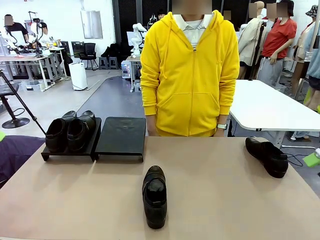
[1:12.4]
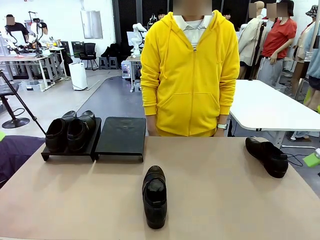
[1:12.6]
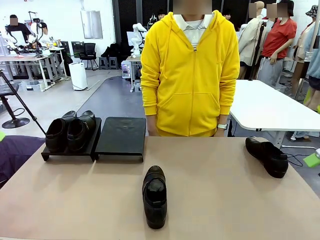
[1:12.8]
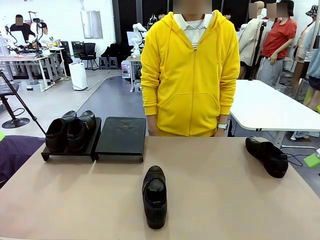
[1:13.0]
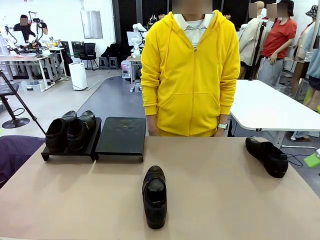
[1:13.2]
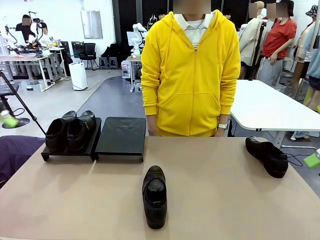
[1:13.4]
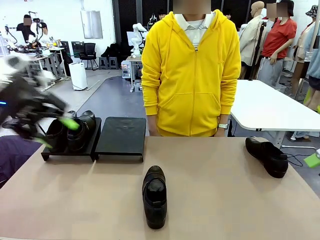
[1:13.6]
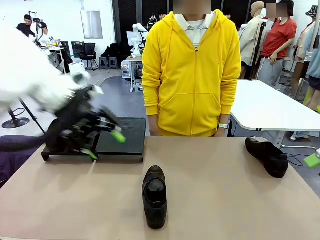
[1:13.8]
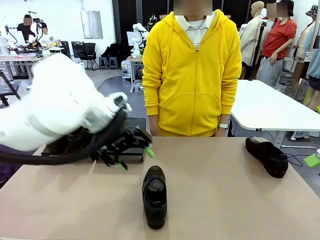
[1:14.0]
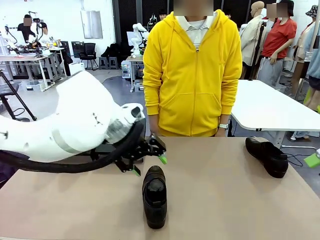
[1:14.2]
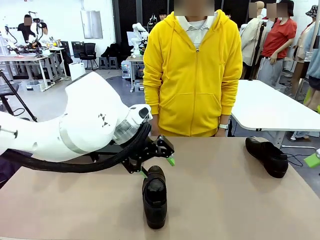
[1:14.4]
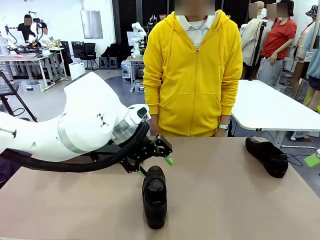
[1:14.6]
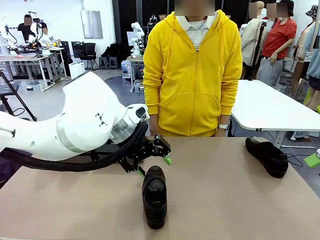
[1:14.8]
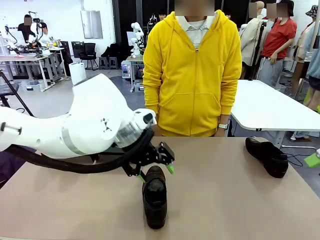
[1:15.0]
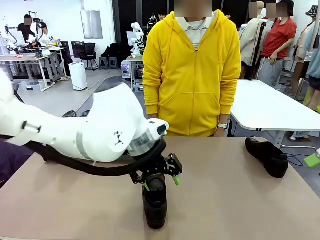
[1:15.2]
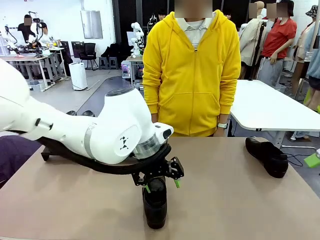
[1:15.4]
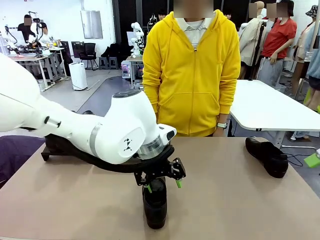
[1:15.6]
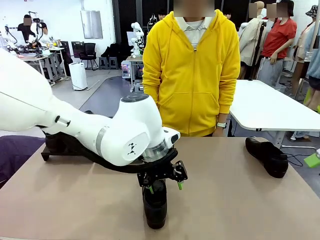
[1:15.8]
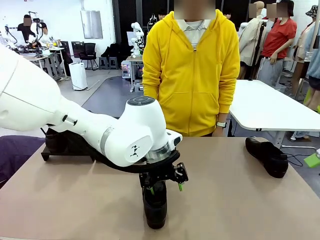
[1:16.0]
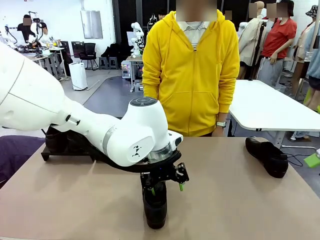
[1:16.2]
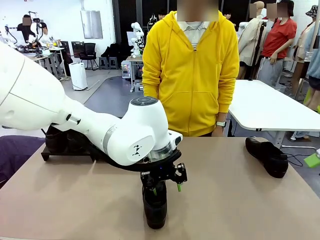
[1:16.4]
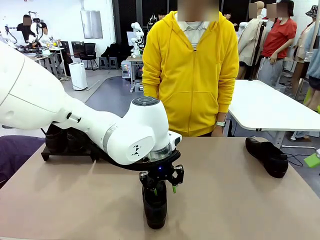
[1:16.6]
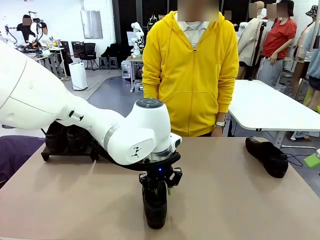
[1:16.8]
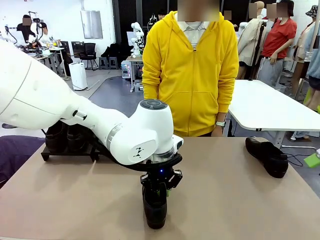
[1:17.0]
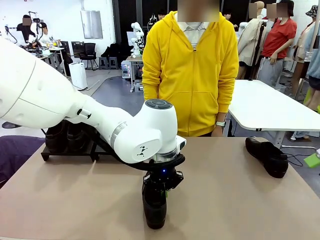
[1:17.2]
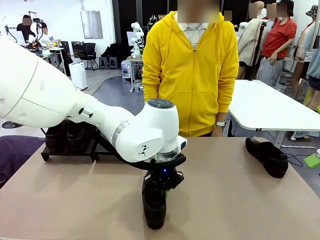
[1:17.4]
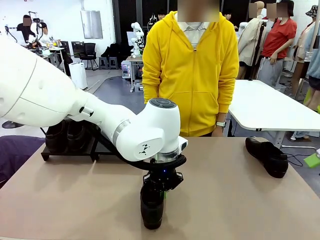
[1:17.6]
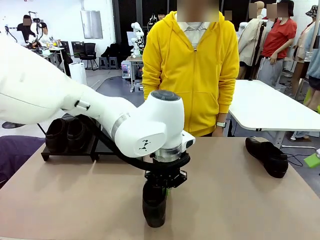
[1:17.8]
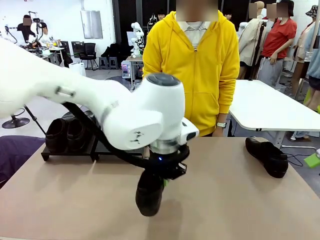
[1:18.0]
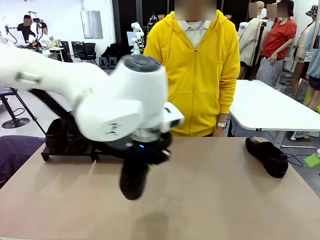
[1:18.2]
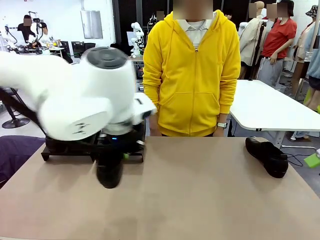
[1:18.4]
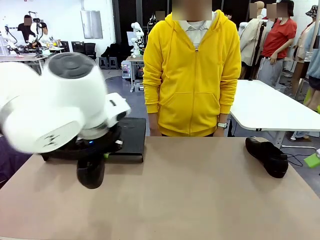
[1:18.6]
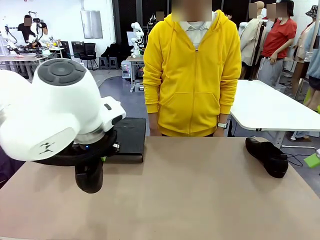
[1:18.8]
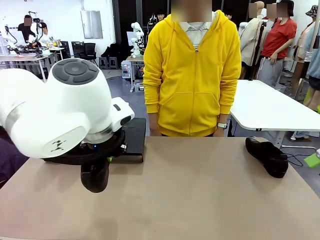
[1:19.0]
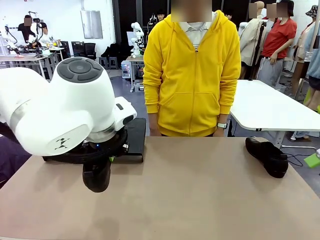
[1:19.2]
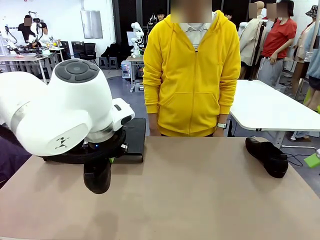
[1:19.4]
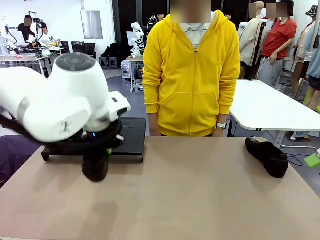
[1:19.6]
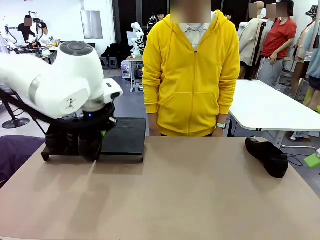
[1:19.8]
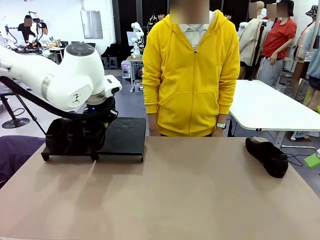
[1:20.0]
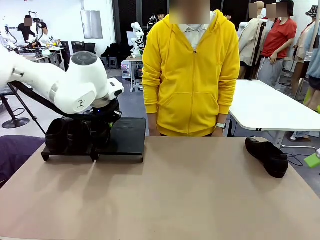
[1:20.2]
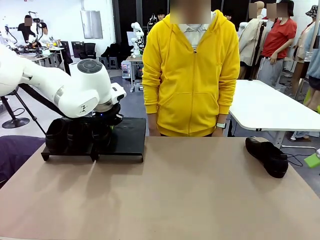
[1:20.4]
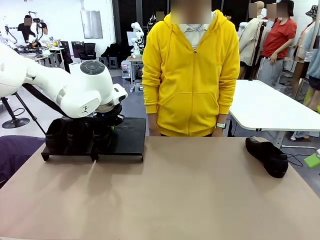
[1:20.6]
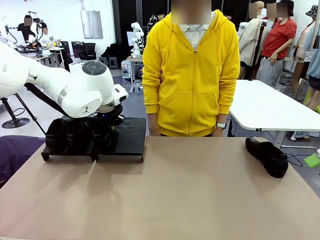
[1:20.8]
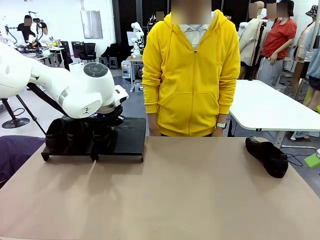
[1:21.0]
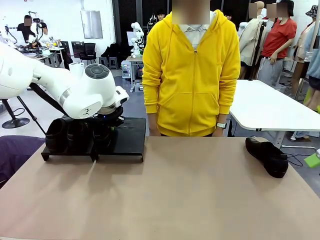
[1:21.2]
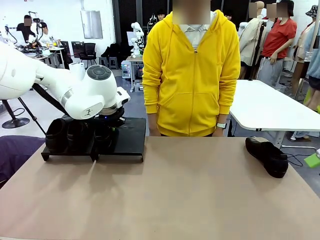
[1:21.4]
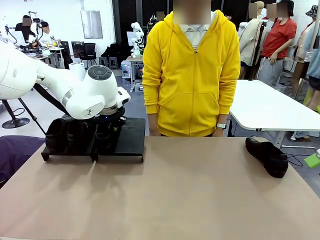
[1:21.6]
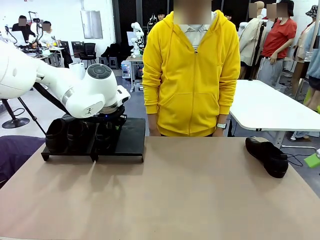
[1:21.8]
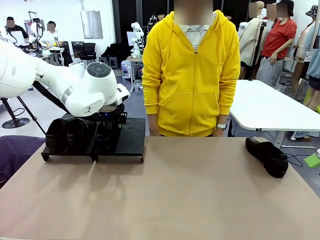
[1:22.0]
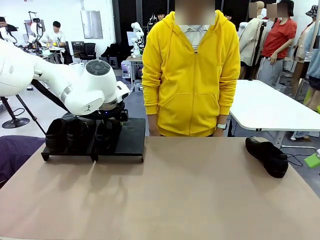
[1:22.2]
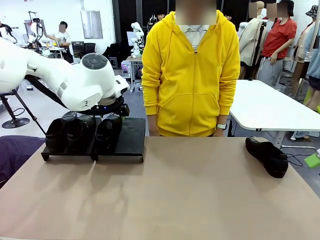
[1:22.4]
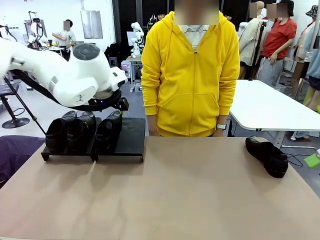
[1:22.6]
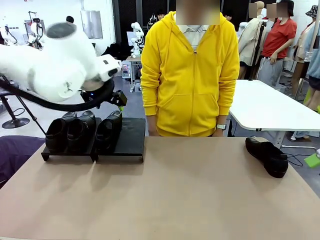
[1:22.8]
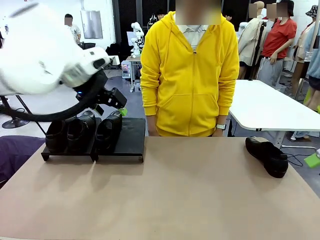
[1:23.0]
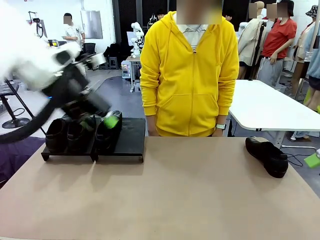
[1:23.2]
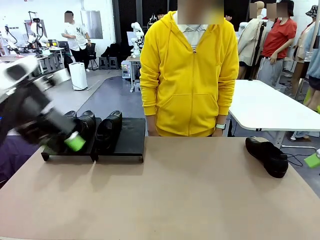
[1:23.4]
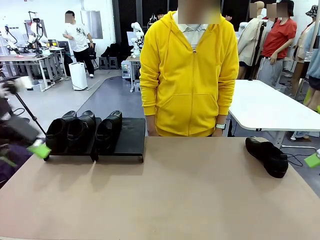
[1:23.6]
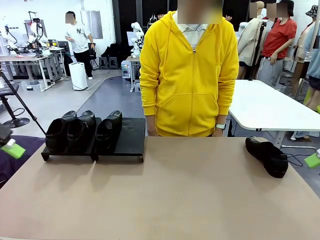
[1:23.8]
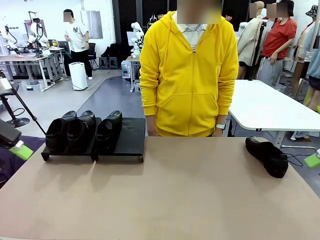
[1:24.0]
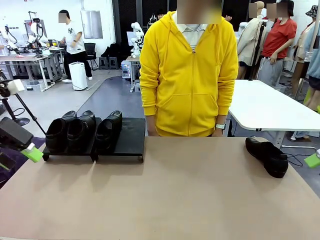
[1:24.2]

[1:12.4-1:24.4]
Task: Organize the shoes by placing them on the stand.
Robot: Place the Shoe from the middle of the table onto the Shoes Stand.

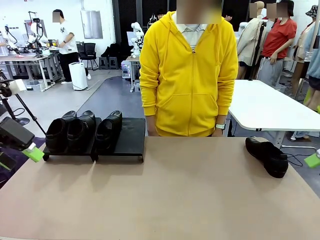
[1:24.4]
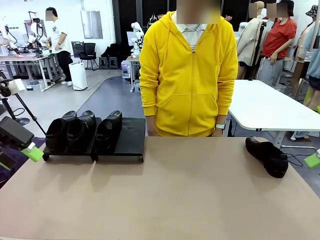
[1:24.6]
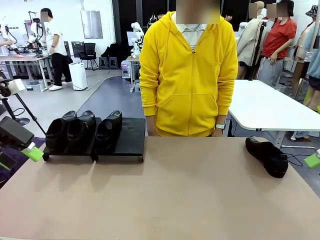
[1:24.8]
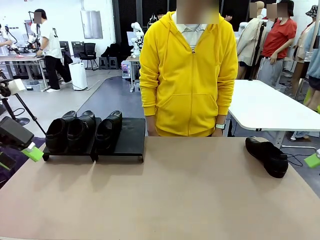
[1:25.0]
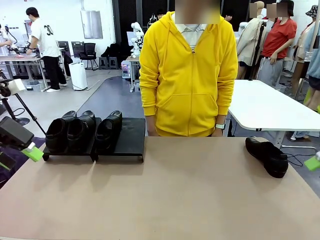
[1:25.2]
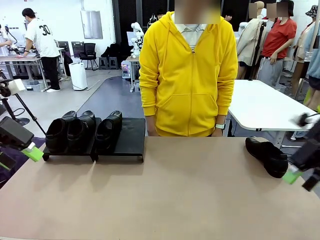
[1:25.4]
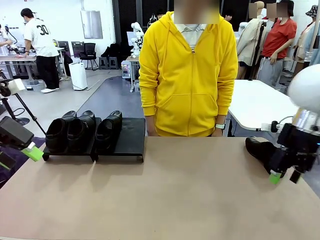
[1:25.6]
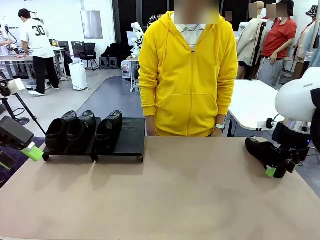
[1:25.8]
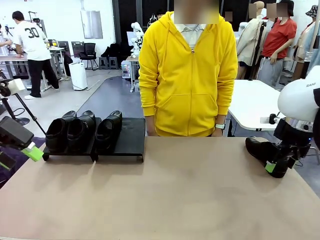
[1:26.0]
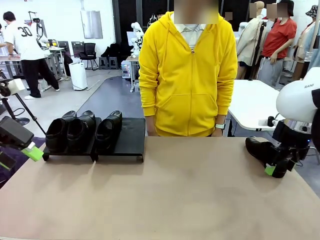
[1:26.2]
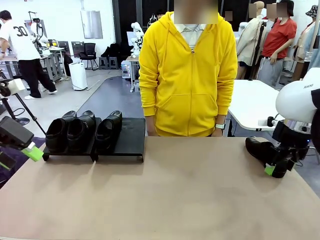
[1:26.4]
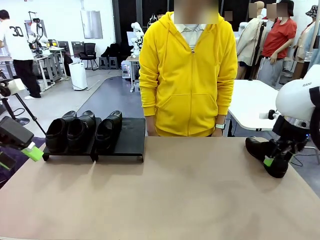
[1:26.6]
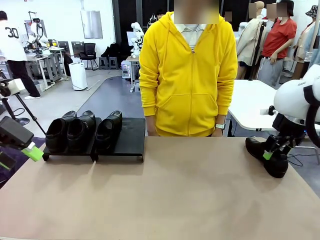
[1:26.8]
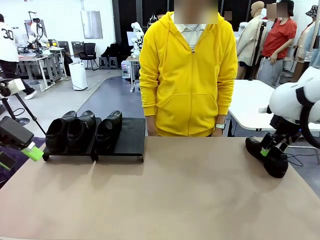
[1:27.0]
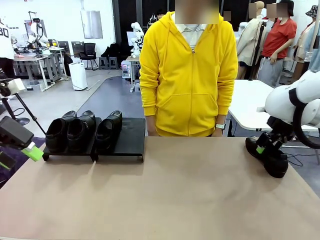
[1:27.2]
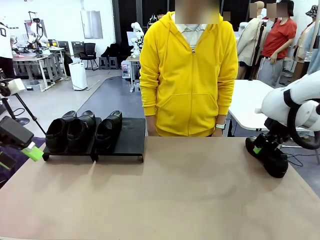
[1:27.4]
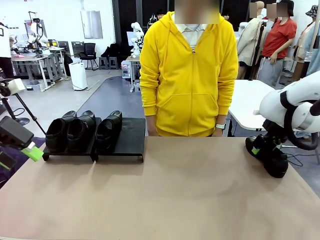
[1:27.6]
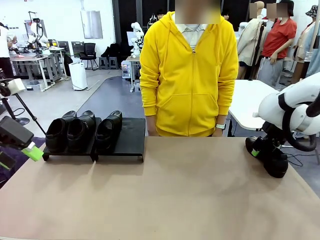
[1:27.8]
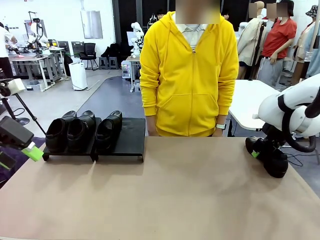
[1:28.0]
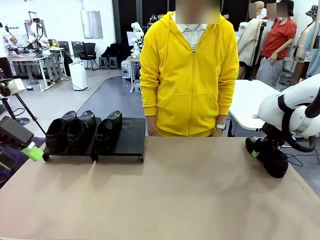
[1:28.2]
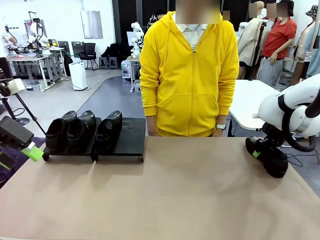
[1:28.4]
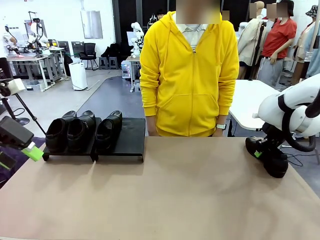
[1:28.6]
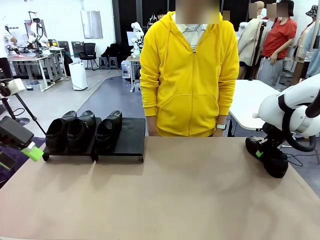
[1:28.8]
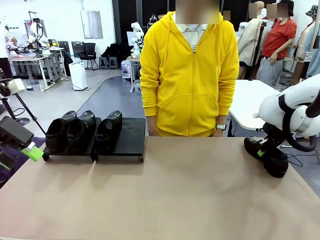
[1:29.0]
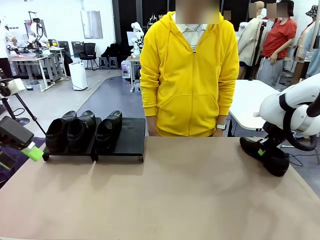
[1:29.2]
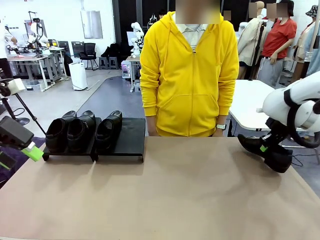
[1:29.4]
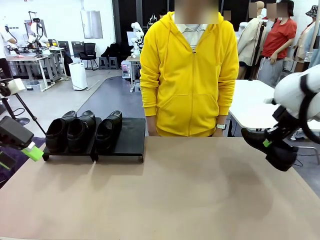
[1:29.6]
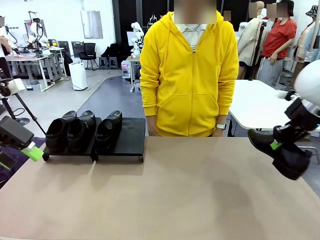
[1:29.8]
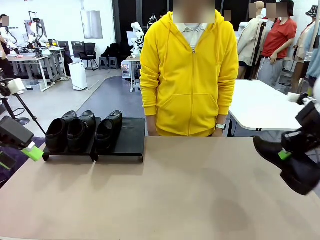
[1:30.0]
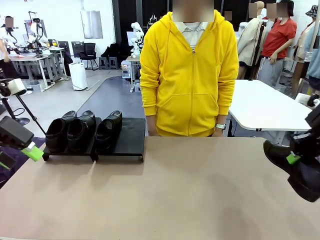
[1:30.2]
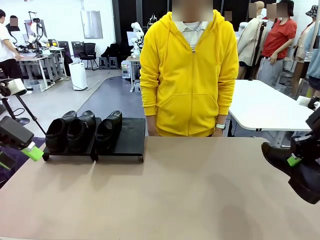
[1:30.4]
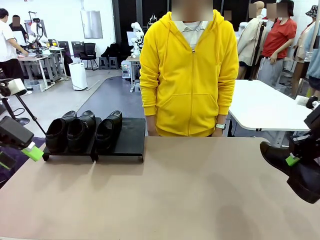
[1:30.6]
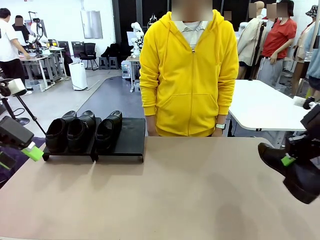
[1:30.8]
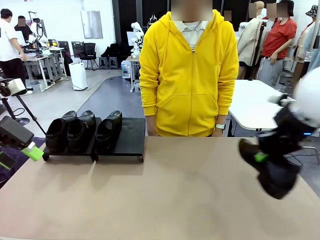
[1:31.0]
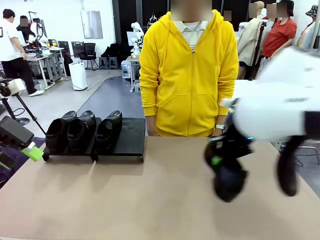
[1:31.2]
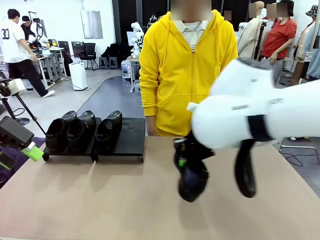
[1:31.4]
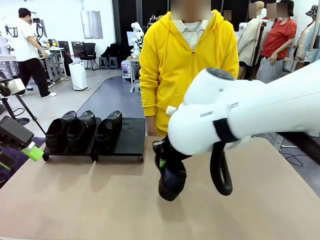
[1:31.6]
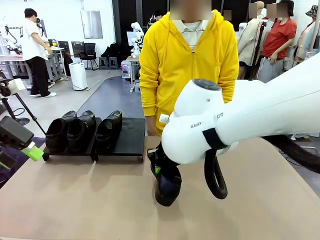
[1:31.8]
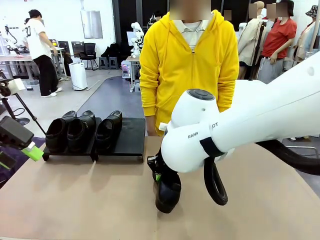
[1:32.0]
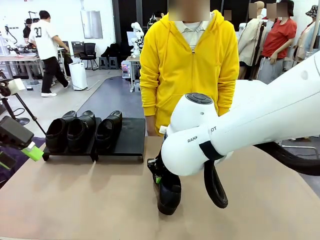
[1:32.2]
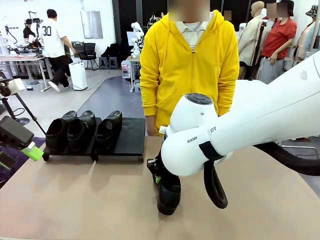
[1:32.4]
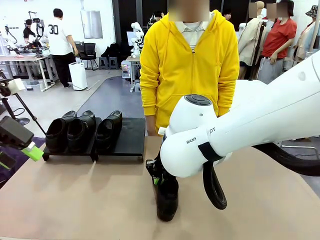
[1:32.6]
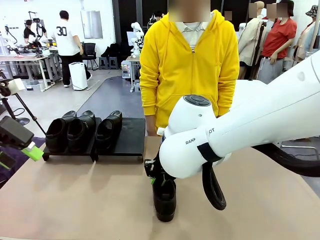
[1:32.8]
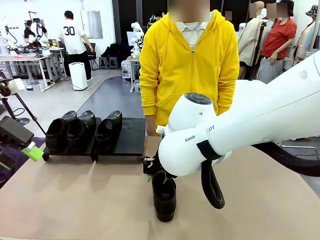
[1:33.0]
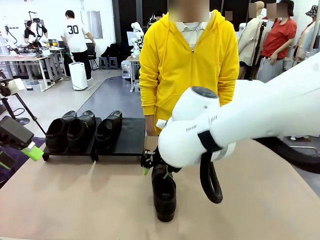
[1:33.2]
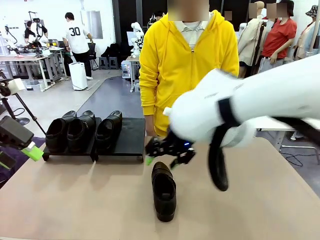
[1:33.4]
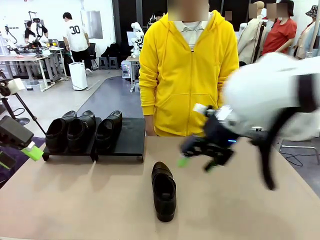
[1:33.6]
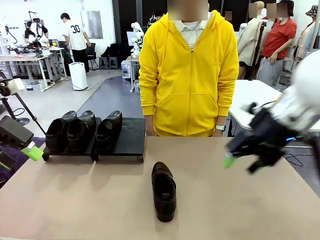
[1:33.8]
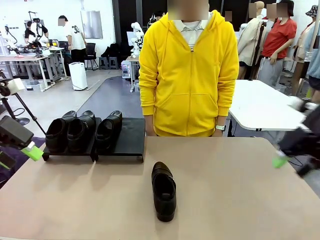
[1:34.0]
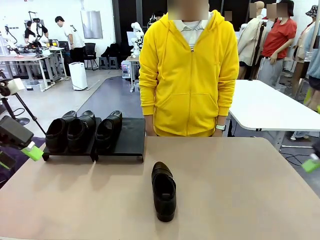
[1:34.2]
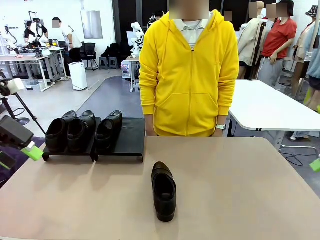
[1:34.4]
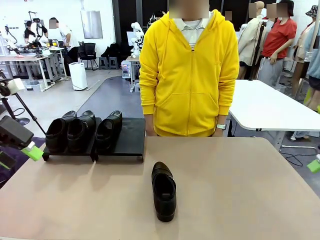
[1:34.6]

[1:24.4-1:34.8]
Robot: Pick up one Shoe and place it in the middle of the table.
